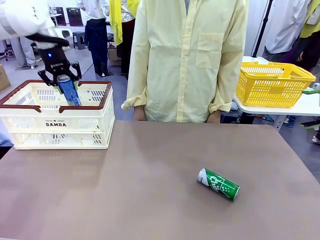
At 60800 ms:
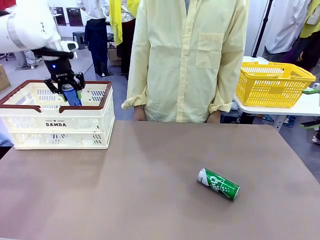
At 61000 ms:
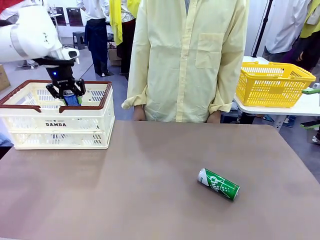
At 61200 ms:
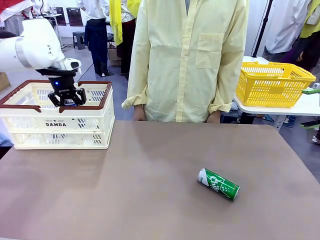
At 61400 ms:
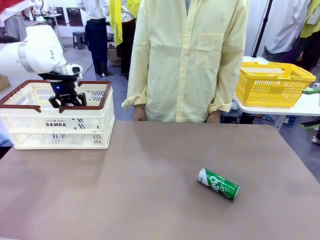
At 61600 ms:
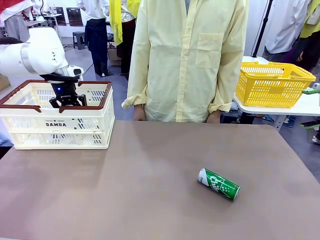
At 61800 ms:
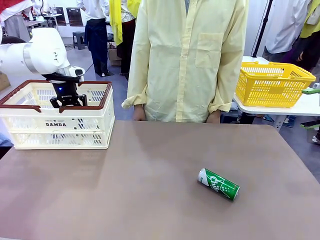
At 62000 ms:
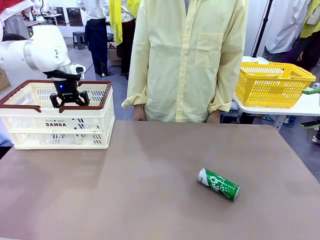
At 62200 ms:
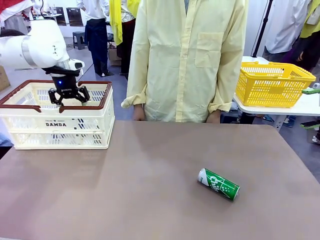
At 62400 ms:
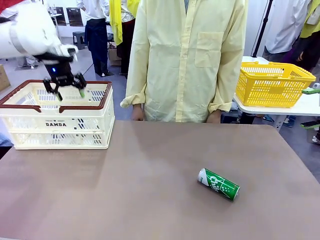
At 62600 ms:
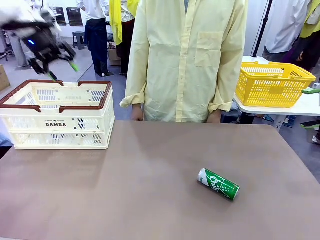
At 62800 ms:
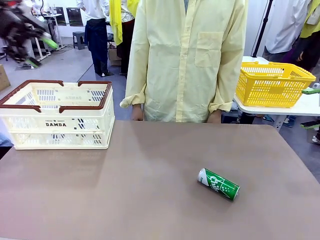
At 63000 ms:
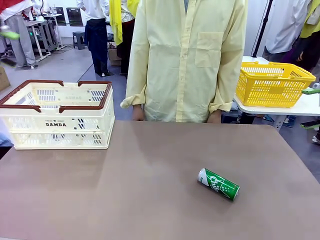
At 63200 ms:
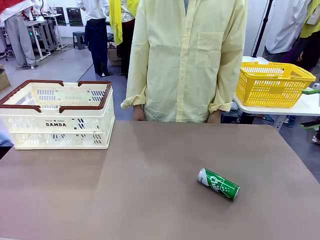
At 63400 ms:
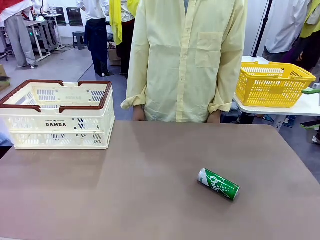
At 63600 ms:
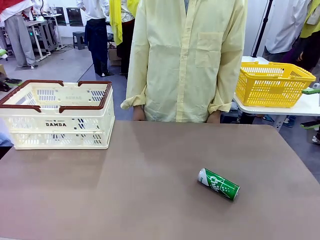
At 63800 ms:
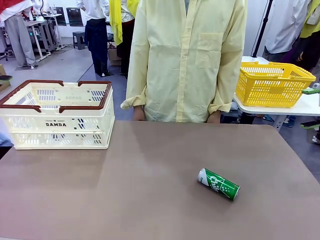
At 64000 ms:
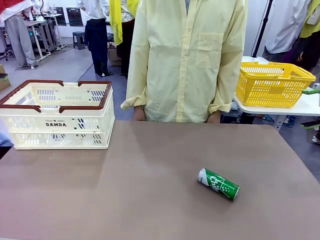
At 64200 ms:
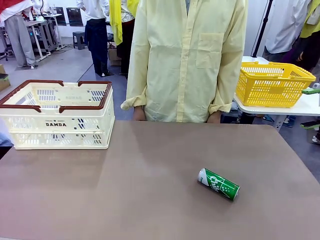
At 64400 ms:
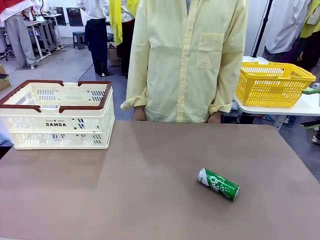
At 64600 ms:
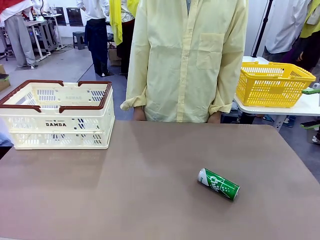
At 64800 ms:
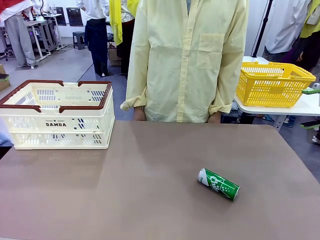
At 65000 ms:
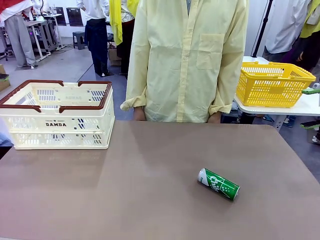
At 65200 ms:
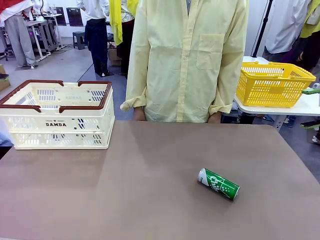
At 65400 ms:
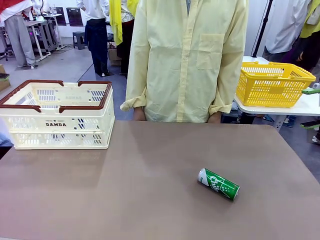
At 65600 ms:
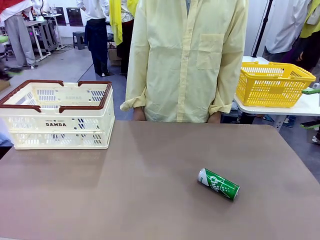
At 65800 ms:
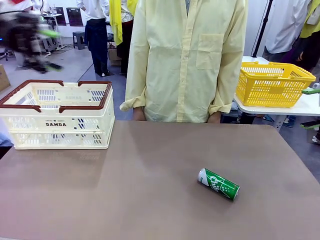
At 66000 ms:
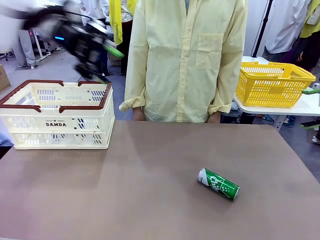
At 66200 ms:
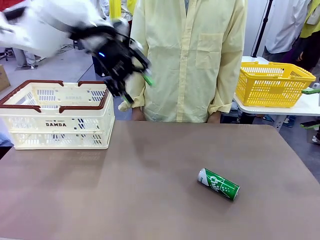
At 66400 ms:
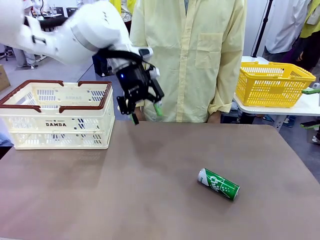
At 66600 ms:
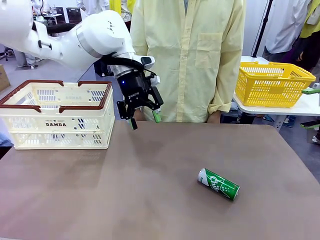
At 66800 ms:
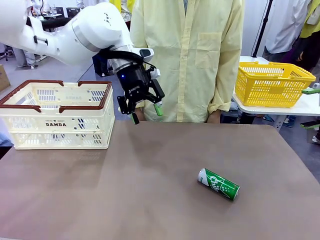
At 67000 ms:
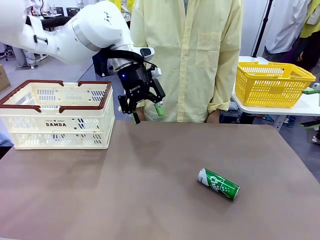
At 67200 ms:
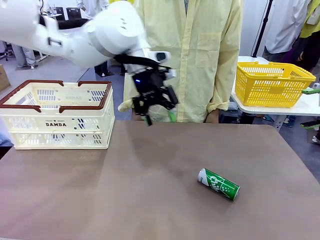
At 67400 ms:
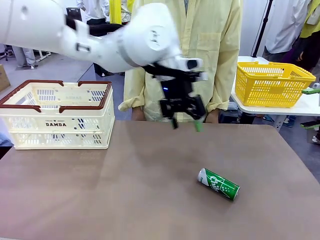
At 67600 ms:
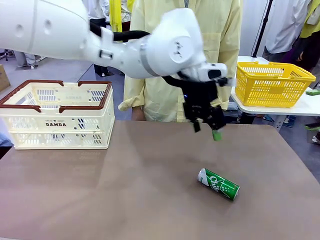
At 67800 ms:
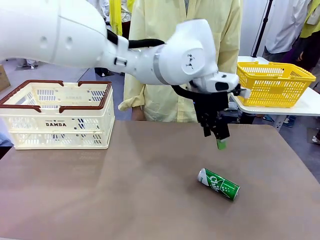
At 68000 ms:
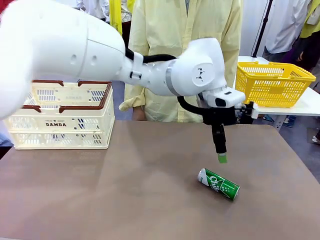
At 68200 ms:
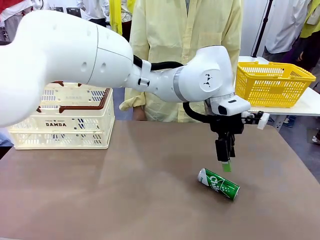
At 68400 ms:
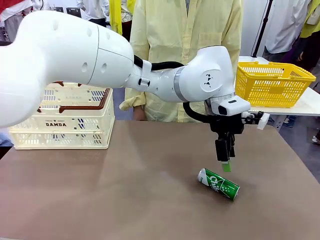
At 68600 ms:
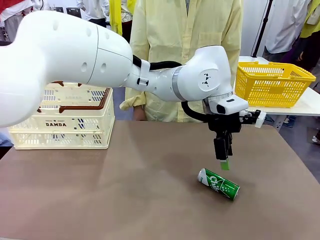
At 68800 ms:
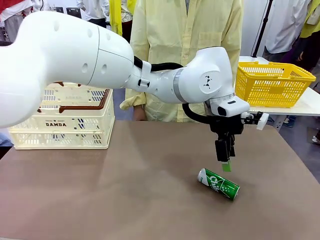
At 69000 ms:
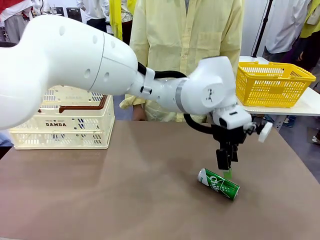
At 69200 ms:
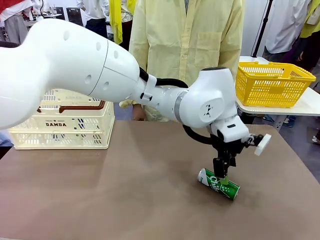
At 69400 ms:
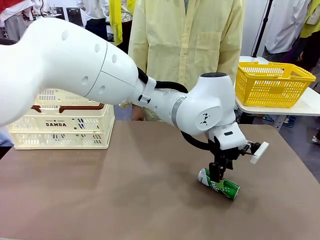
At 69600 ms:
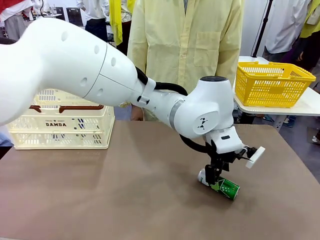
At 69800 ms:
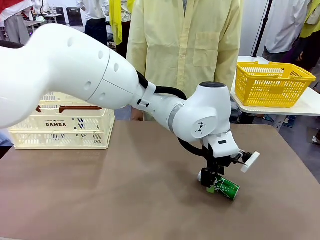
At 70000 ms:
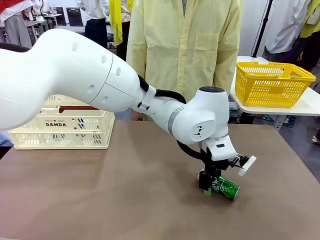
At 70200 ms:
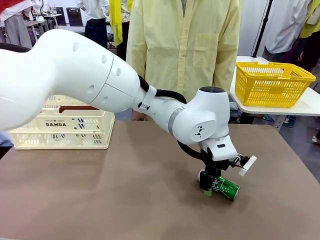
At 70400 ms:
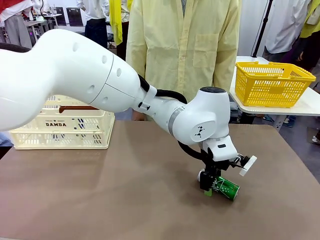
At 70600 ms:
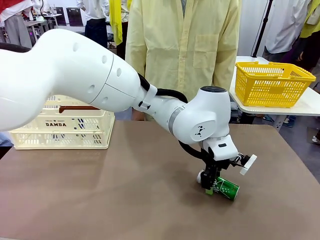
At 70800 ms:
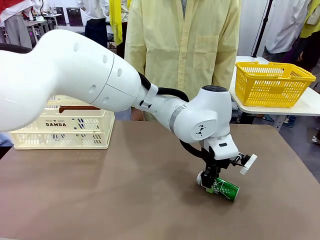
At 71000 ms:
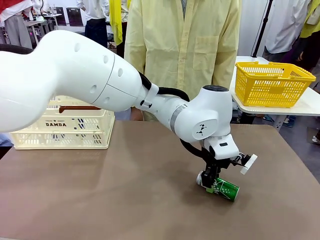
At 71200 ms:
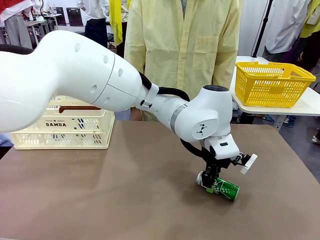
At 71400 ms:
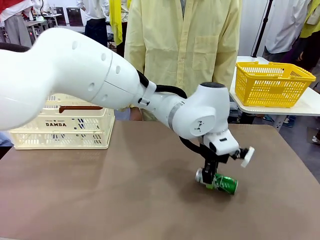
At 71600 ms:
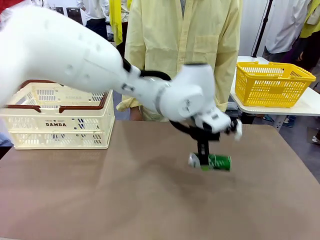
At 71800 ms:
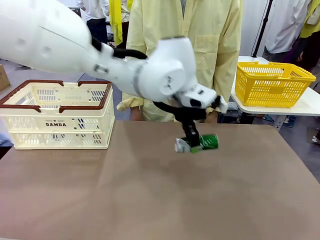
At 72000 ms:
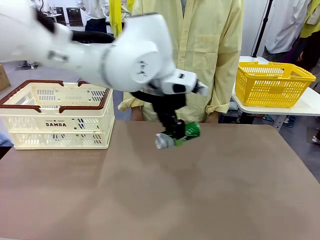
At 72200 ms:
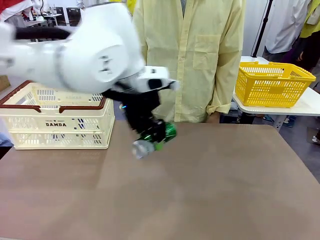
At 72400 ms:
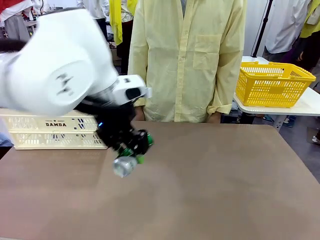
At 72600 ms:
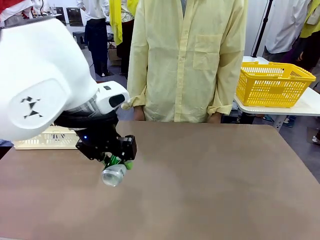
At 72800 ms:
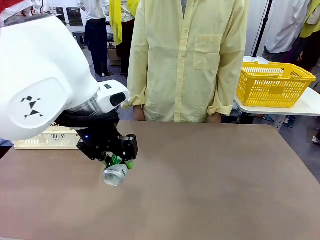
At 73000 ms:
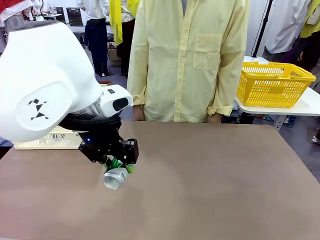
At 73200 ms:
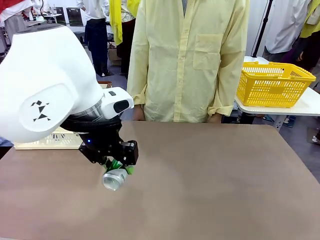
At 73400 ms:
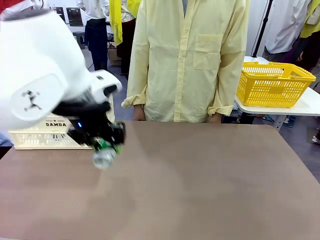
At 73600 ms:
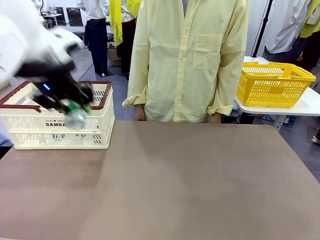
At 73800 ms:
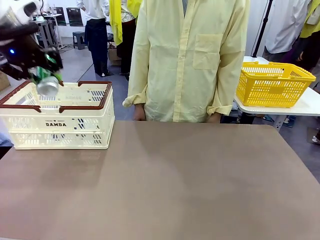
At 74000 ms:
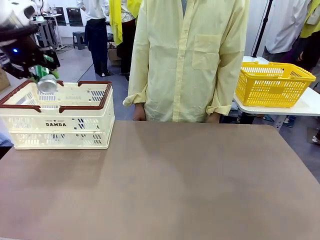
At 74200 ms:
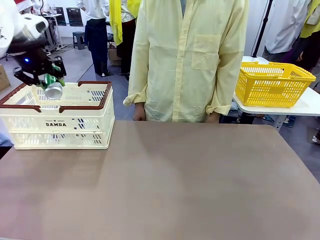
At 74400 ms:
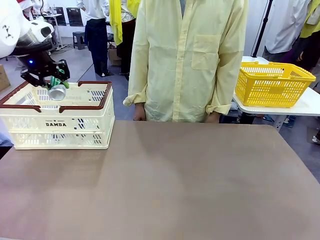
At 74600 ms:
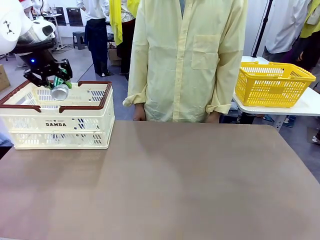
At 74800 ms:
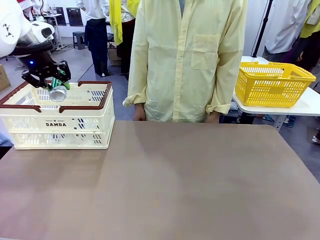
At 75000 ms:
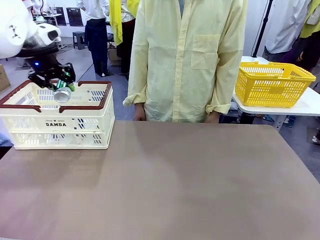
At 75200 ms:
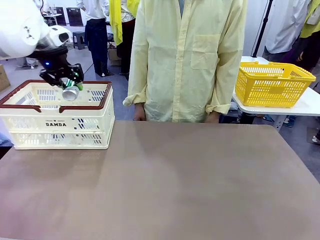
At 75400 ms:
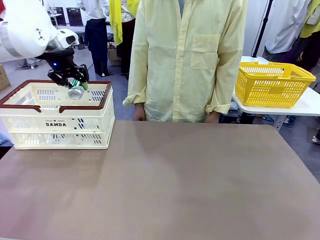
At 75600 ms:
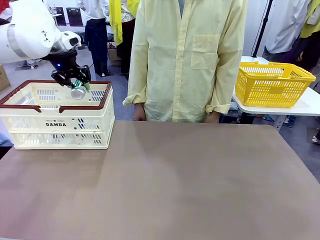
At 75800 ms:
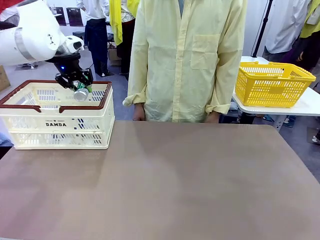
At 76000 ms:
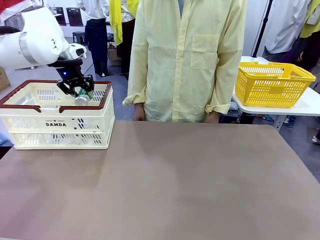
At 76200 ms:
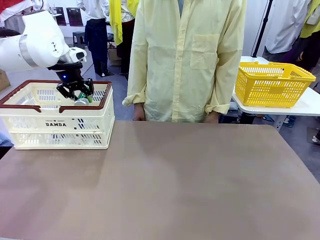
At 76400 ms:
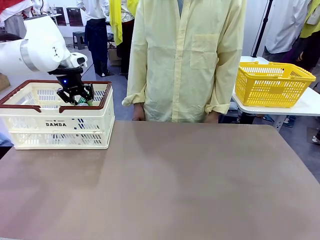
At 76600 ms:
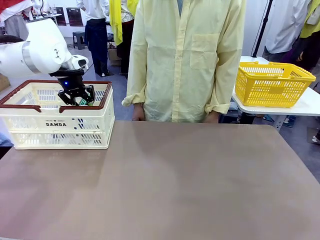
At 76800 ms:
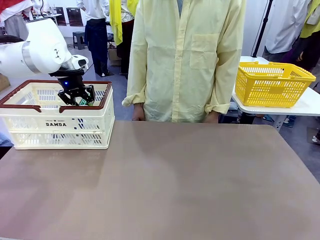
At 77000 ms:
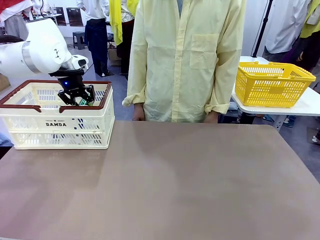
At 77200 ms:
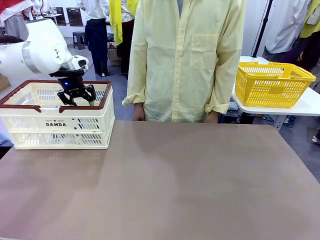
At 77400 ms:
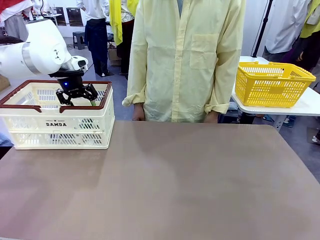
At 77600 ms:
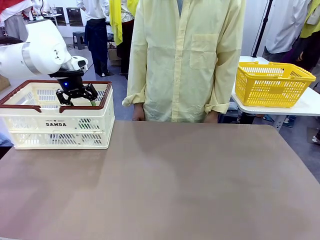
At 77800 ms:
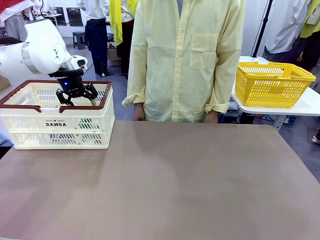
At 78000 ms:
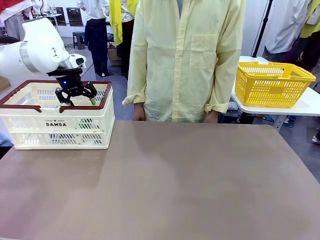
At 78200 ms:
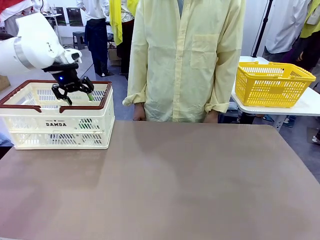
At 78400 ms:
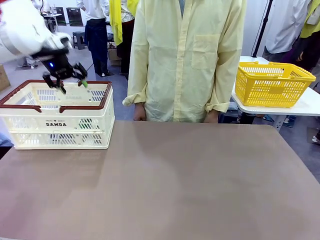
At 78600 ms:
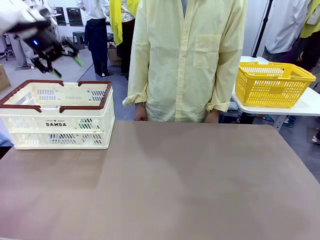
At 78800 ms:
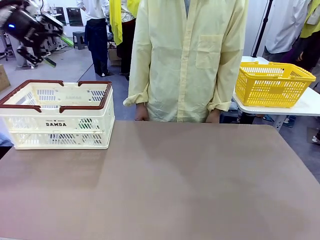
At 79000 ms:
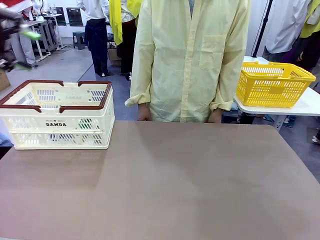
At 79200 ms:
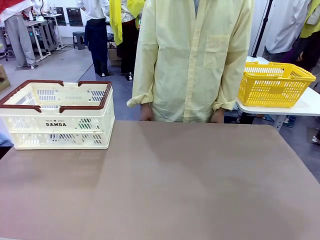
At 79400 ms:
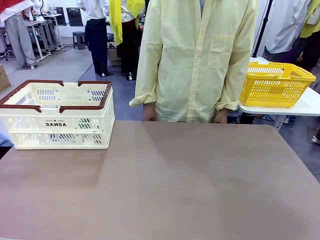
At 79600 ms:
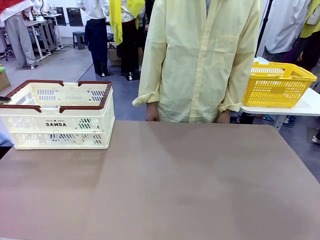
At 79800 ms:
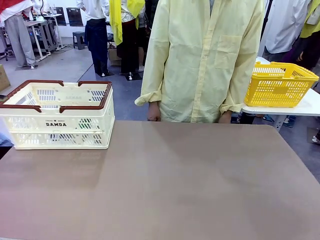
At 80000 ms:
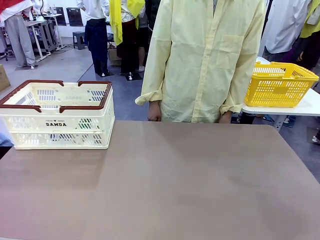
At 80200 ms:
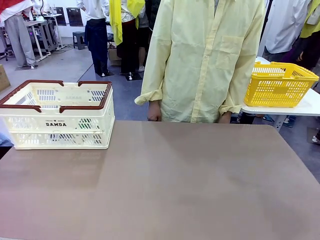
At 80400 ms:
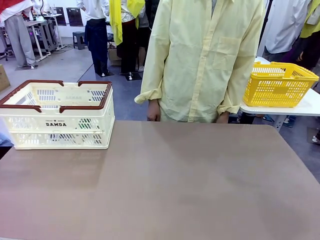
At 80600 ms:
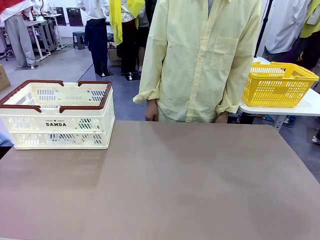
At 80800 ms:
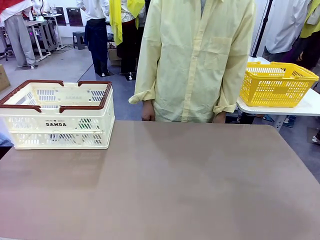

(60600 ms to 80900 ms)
Task: Place the drinks into the Shopping basket.
Robot: Pick up one drink and place it into the Shopping basket.
